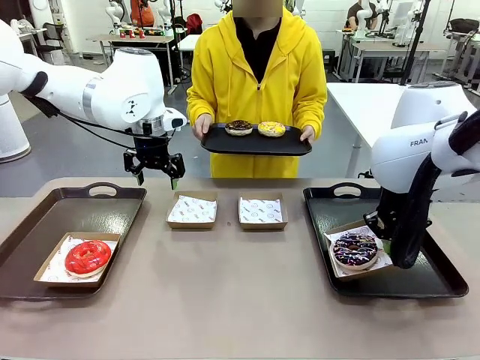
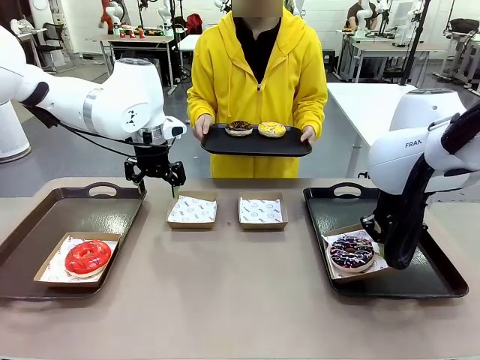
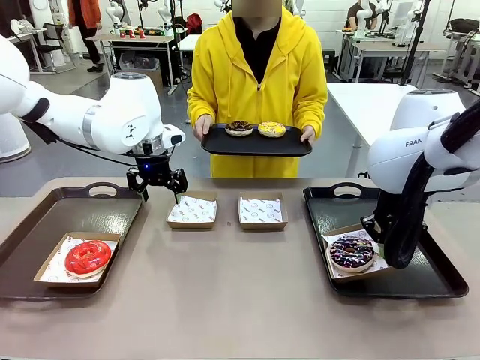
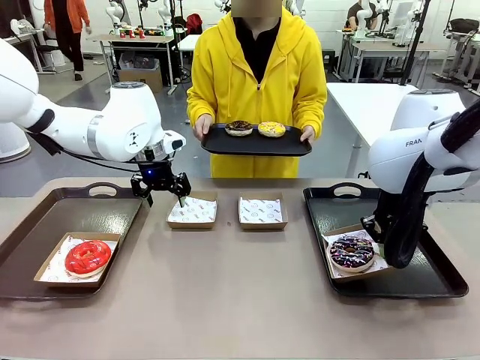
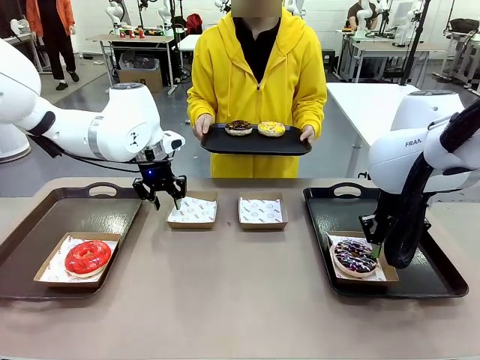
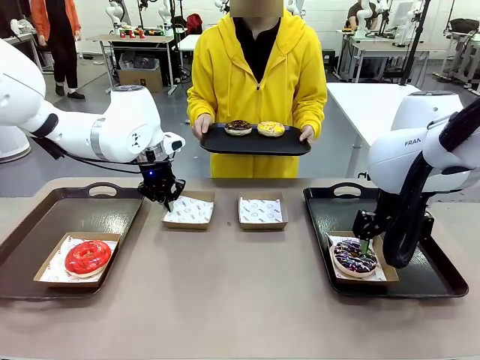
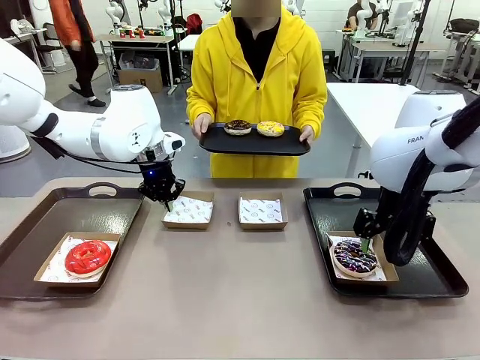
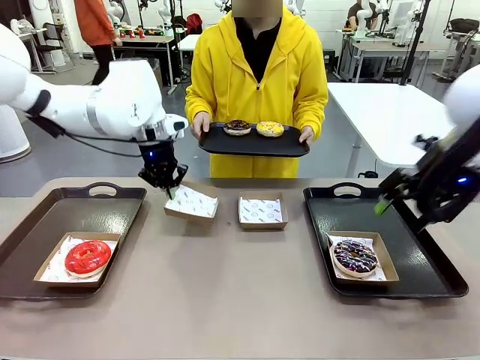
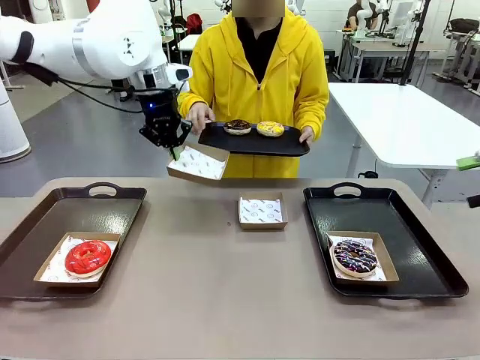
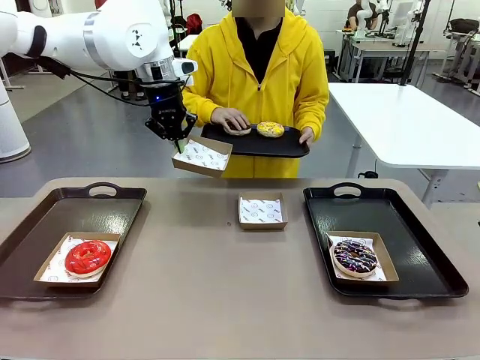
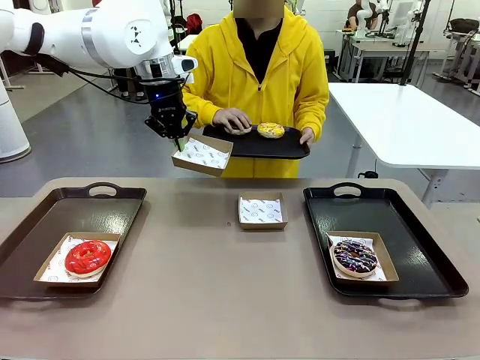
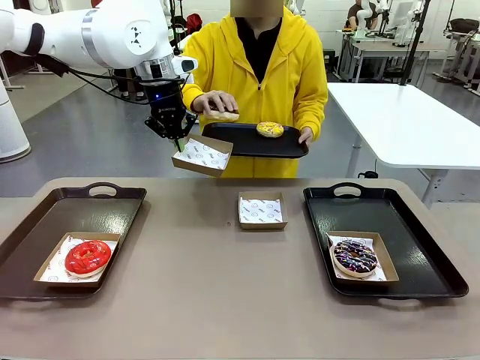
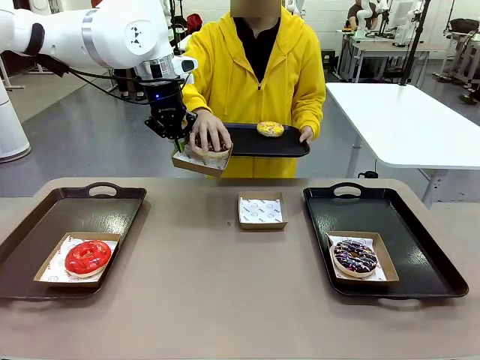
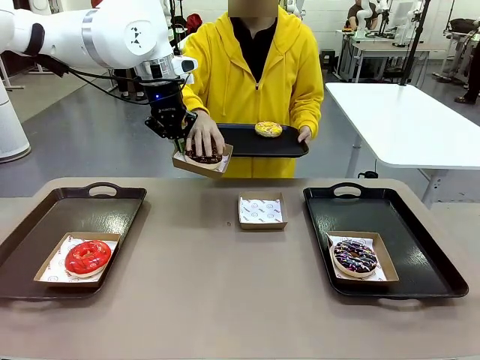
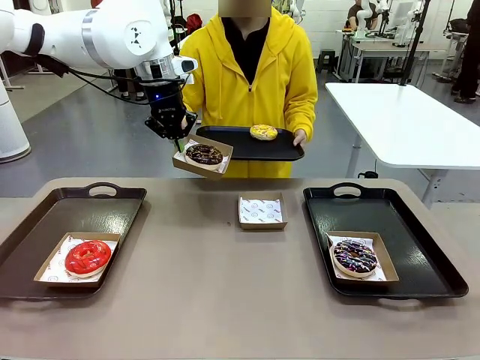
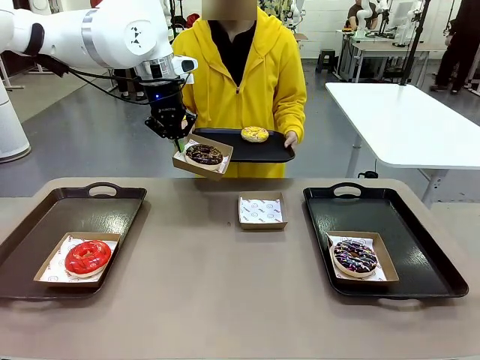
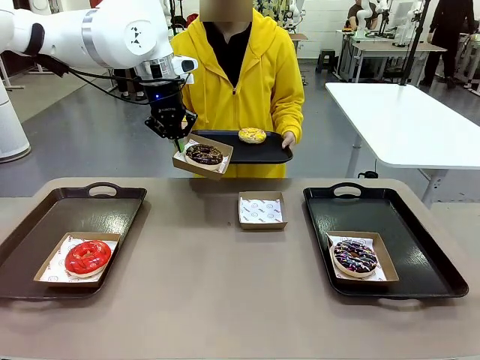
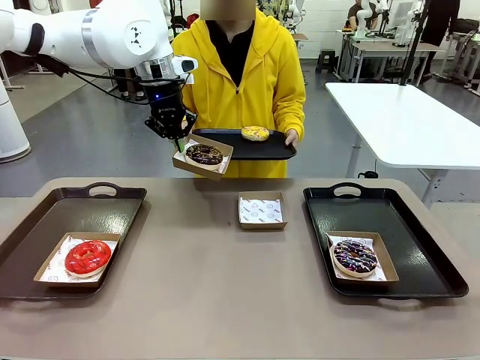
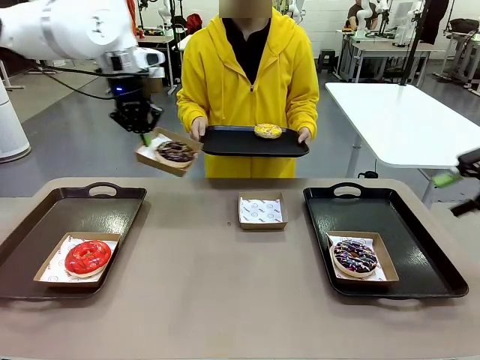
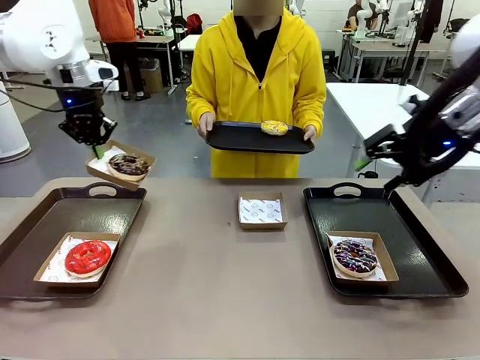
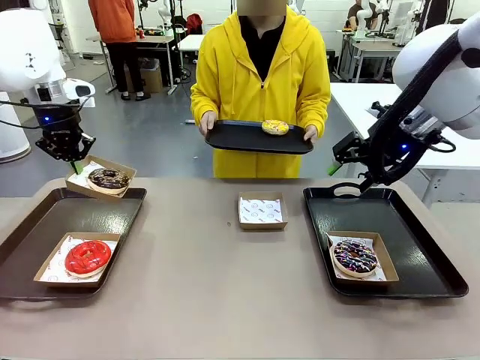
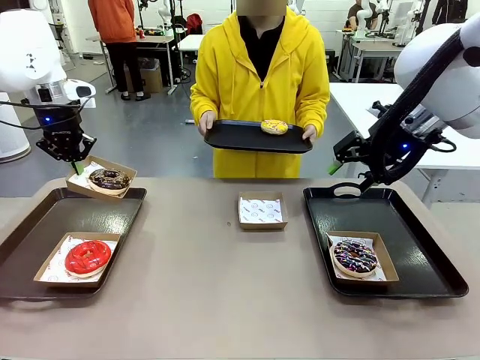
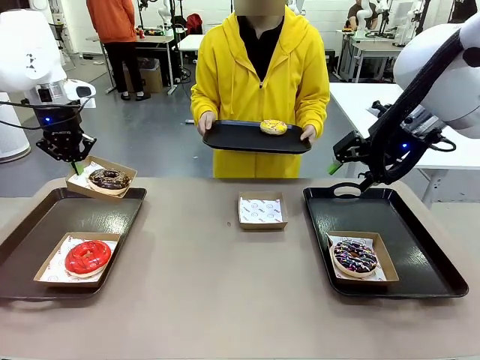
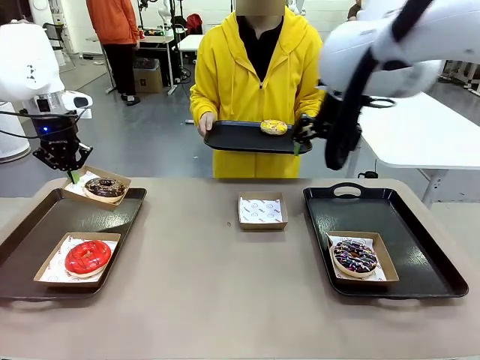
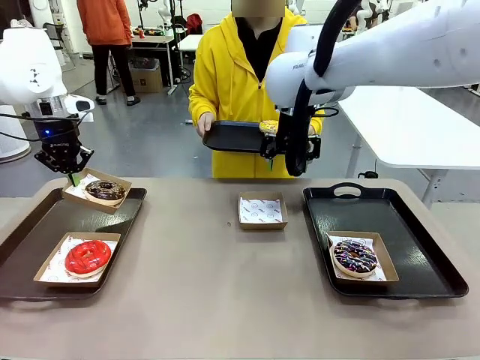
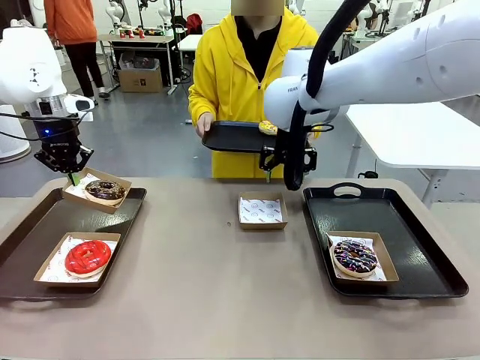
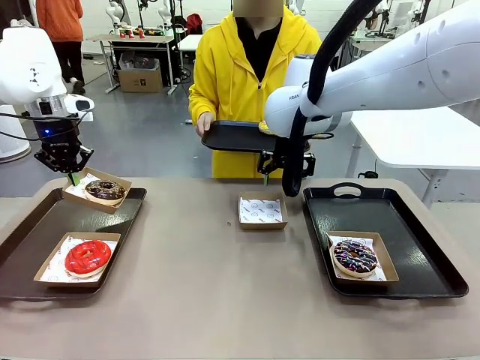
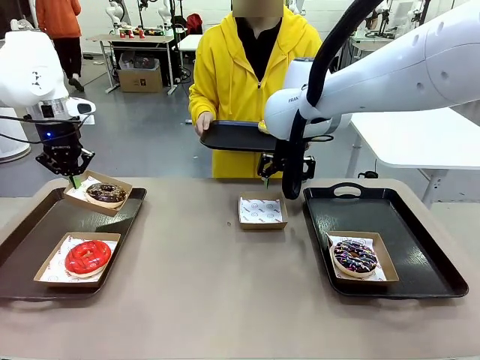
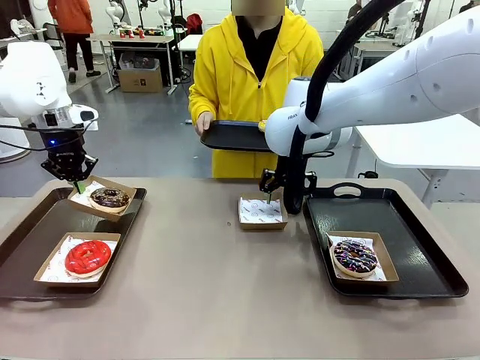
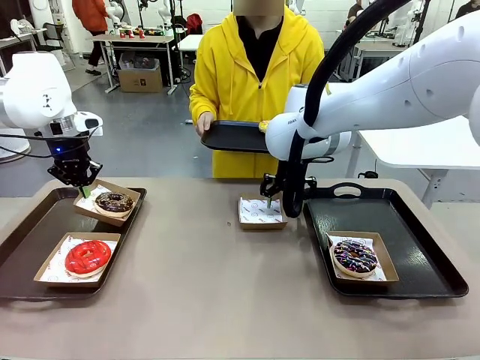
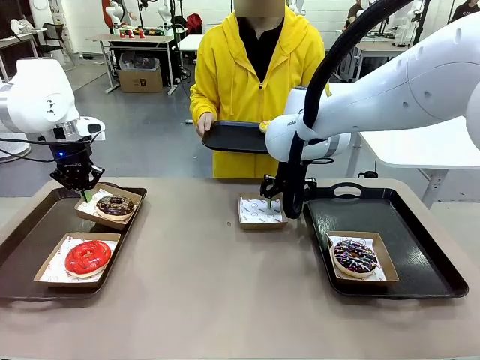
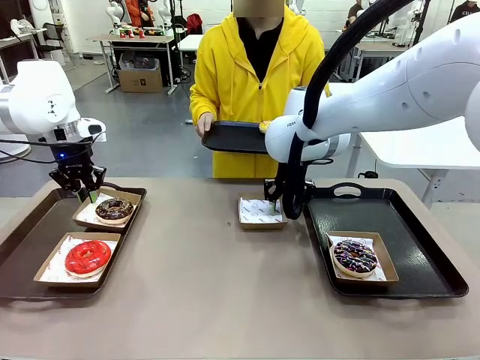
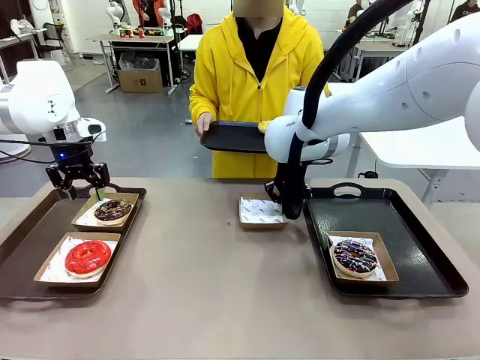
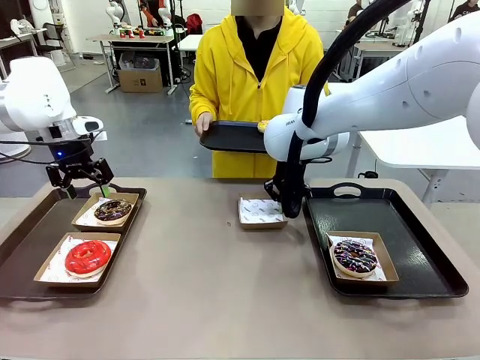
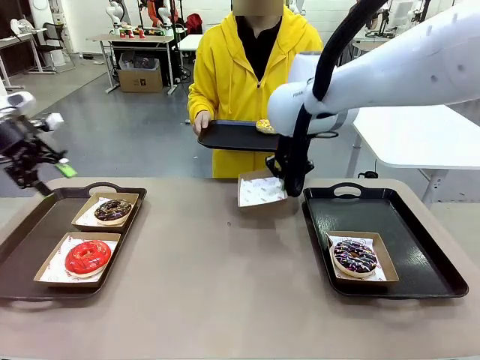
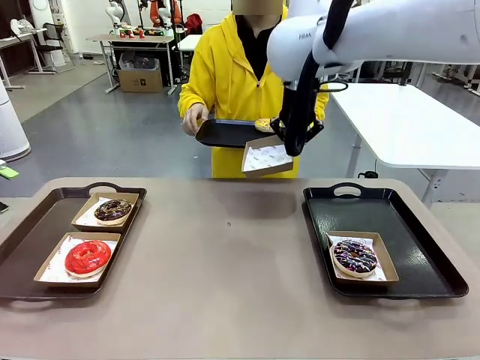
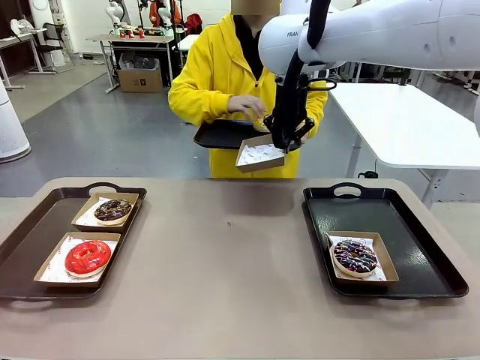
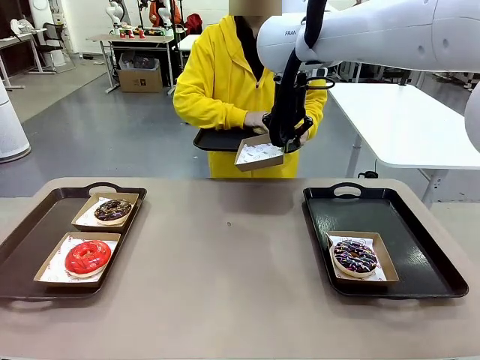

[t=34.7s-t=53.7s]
Task: Individually package the donuts and arrange them on the tray.
Robot: Place the picked Paper togo box on the Handle tray while simultaneously picking up another Paper togo box from the table with the other hand.

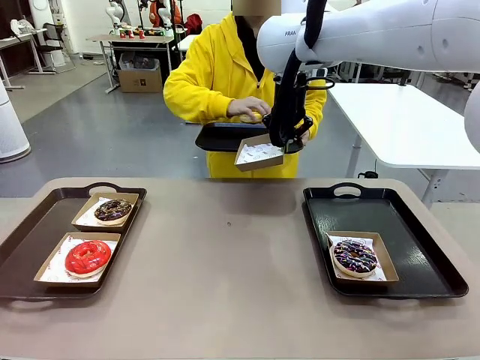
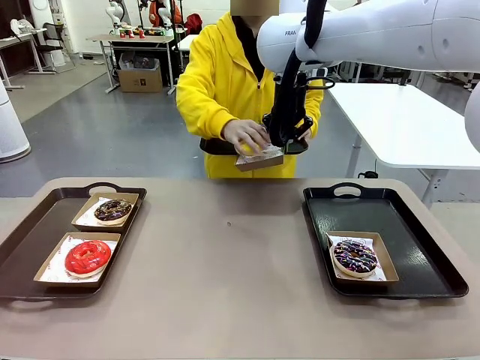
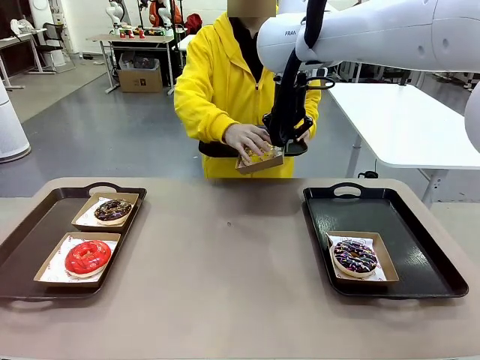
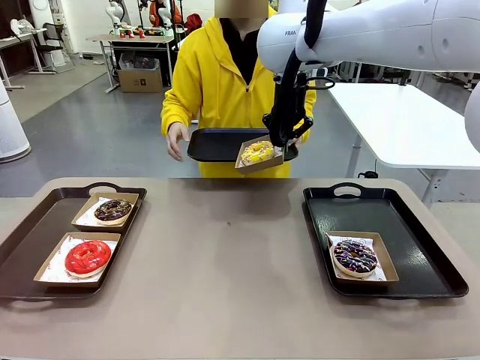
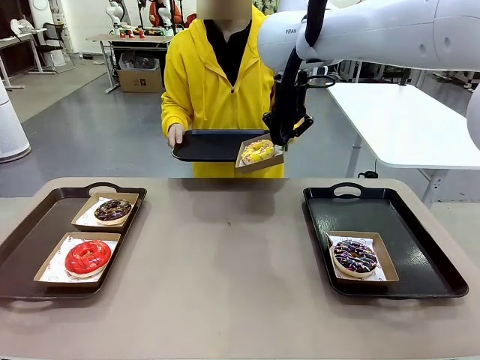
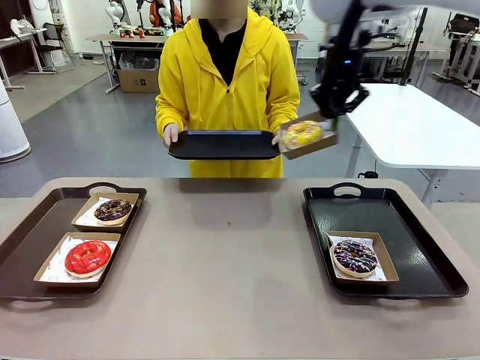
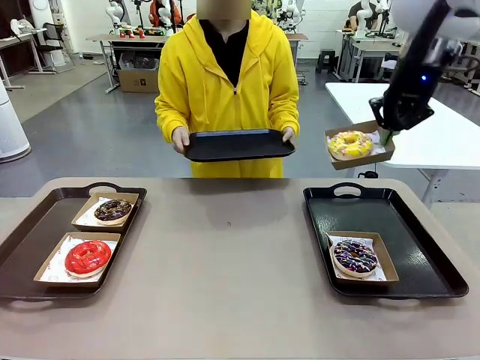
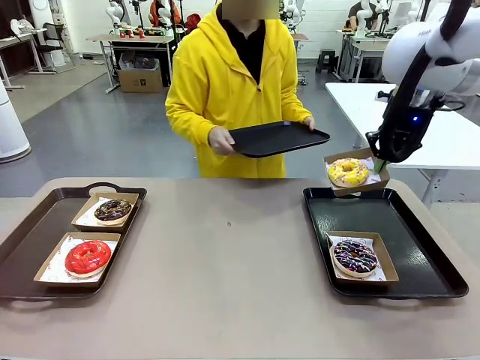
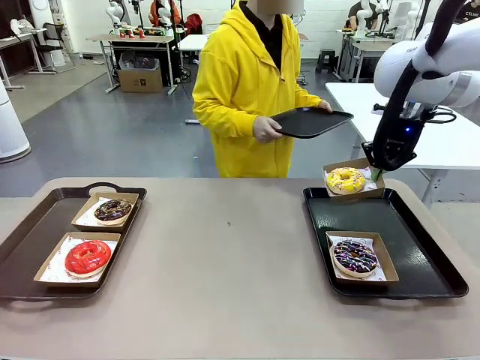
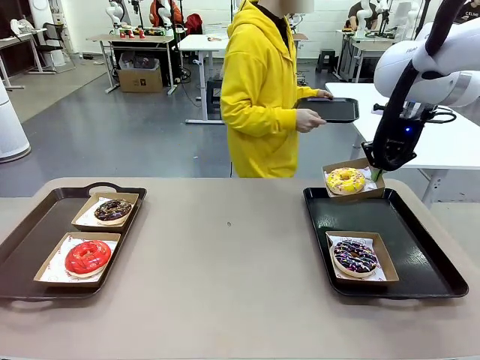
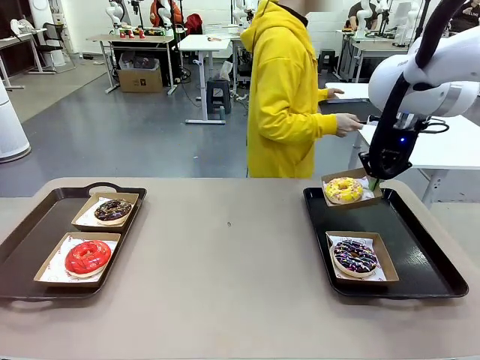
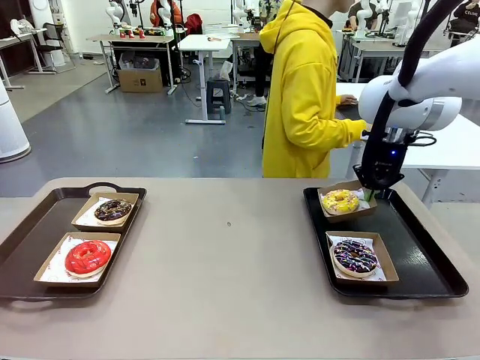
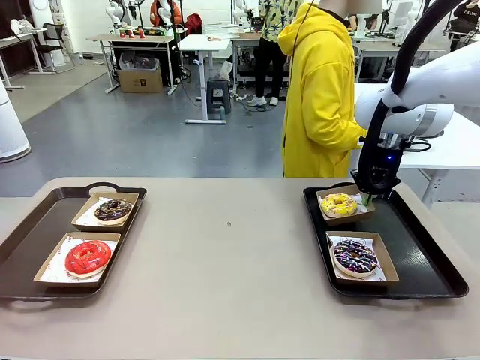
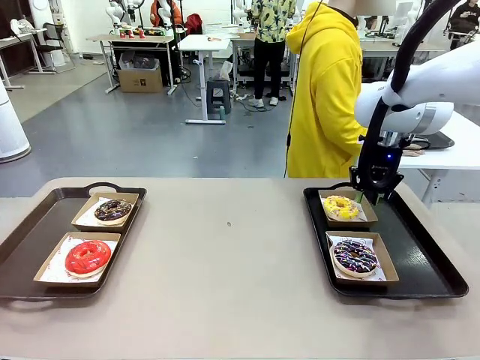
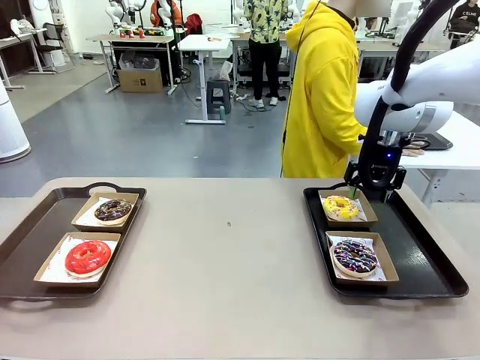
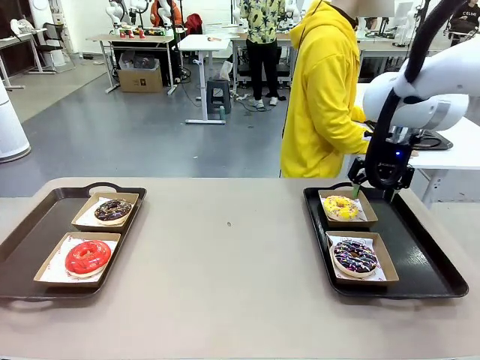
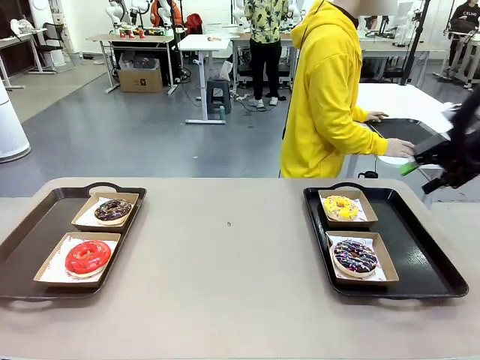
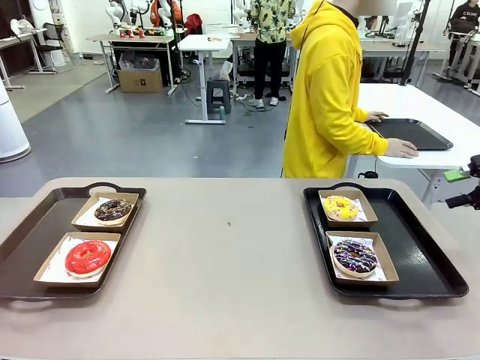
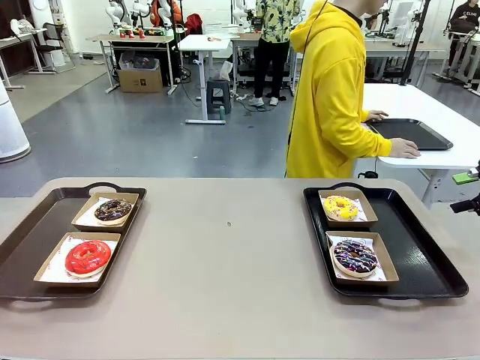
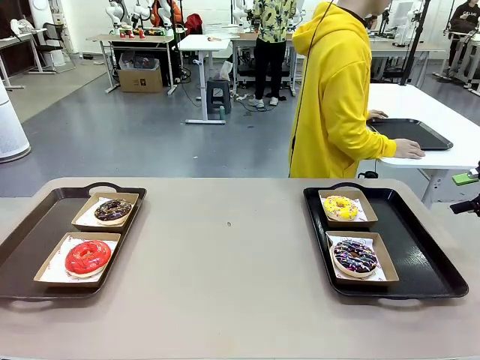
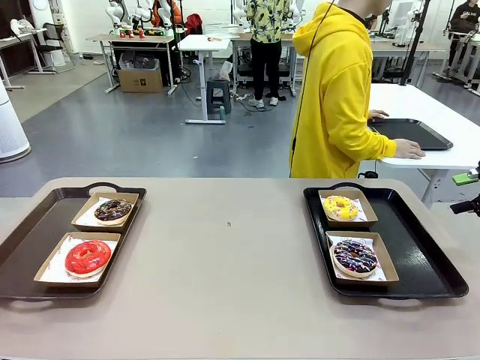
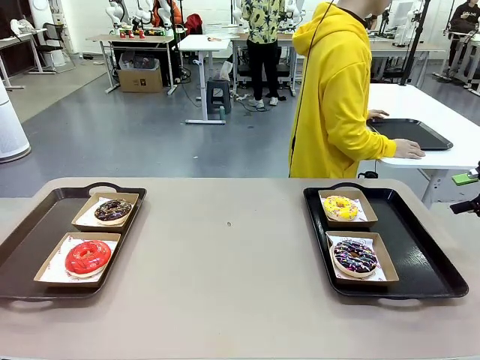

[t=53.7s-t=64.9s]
Robot: Place the picked Paper togo box on the Handle tray.
Person: Place the tray down in the middle of the human table.
